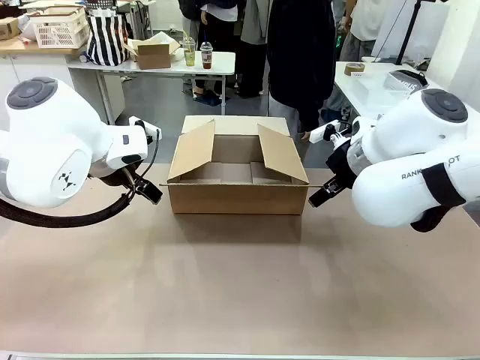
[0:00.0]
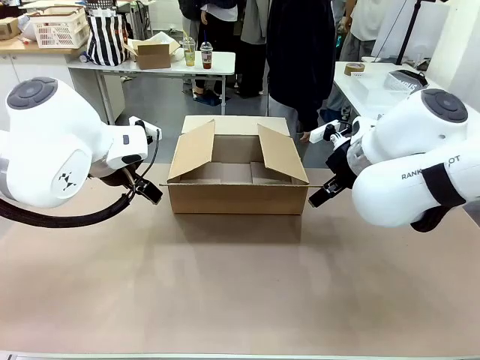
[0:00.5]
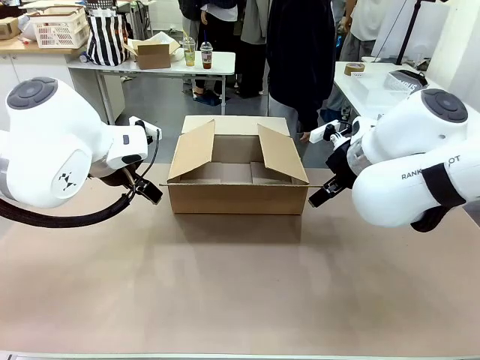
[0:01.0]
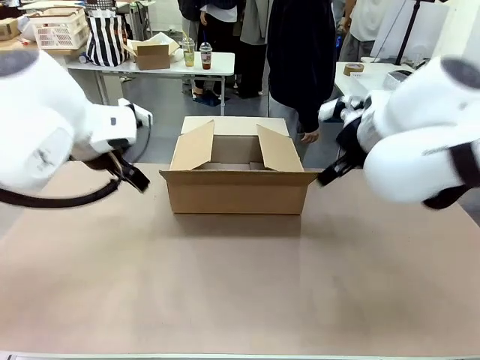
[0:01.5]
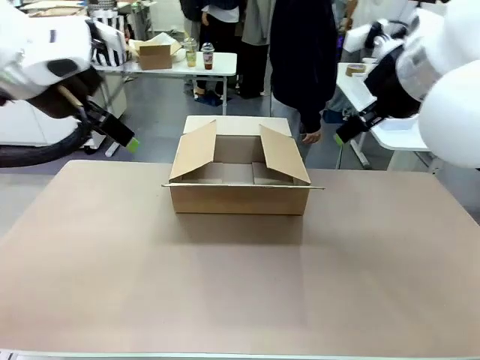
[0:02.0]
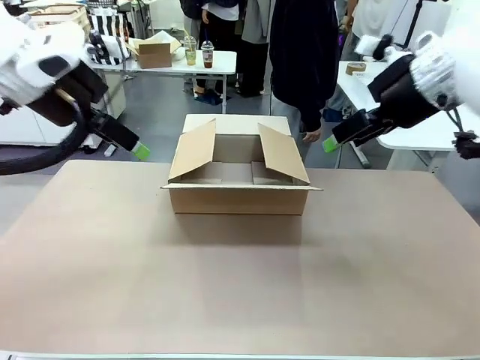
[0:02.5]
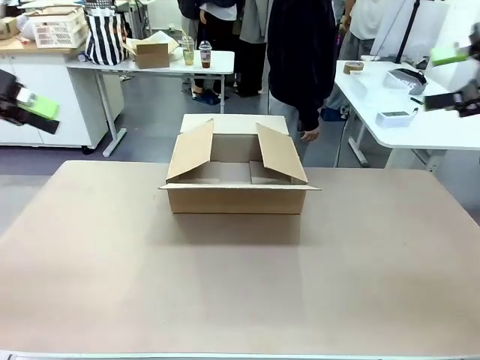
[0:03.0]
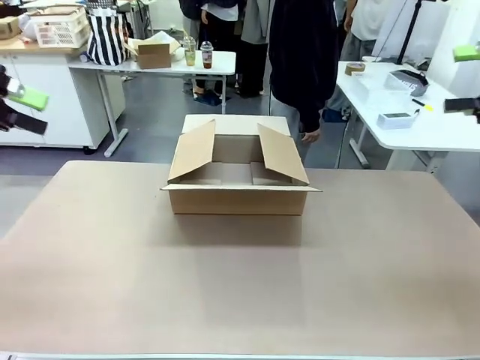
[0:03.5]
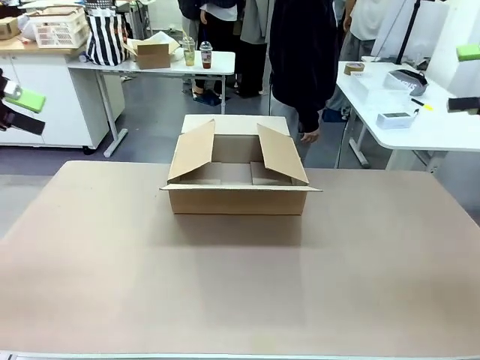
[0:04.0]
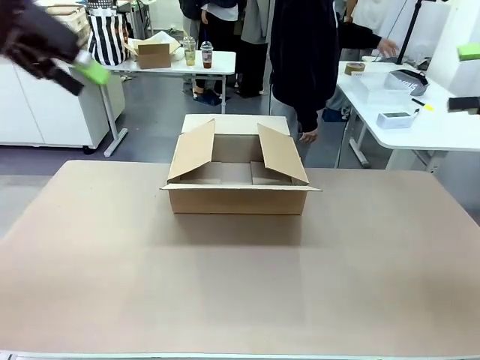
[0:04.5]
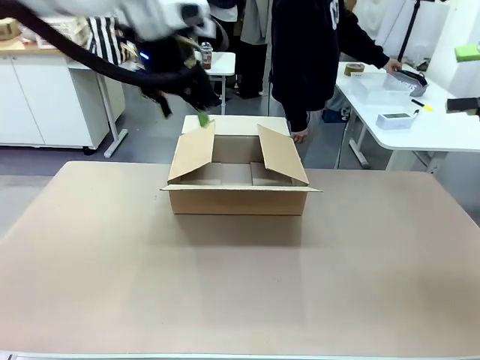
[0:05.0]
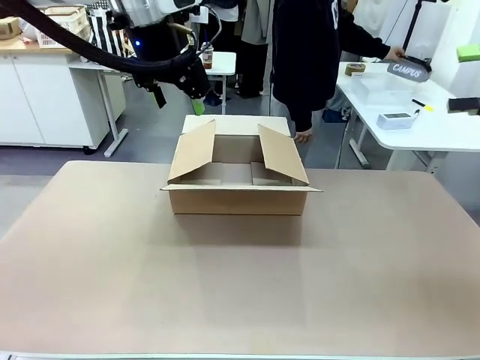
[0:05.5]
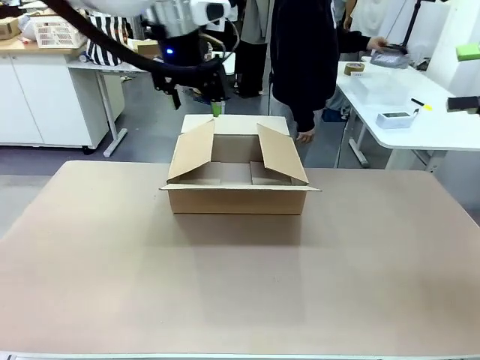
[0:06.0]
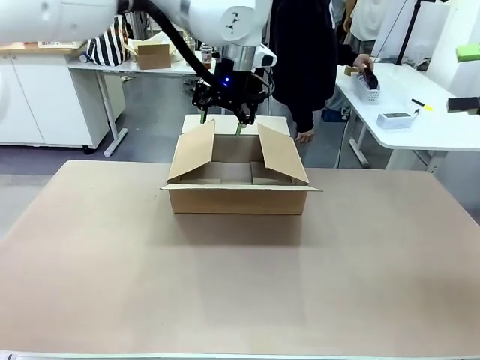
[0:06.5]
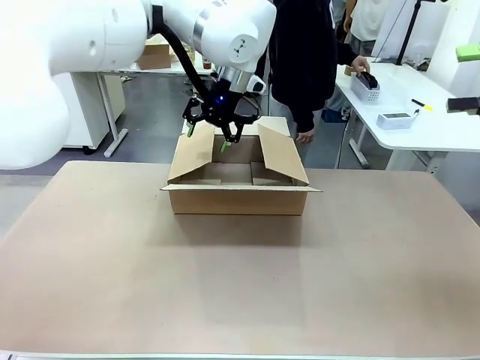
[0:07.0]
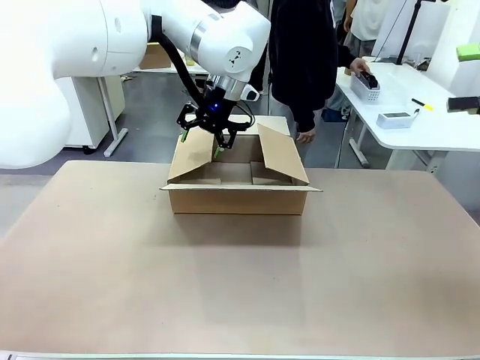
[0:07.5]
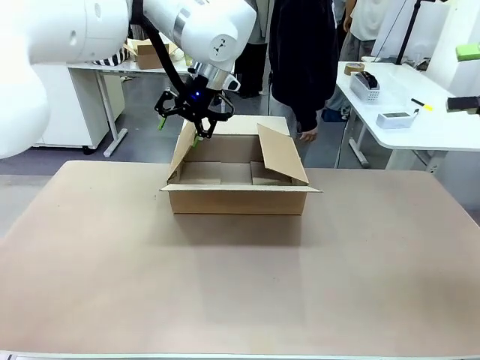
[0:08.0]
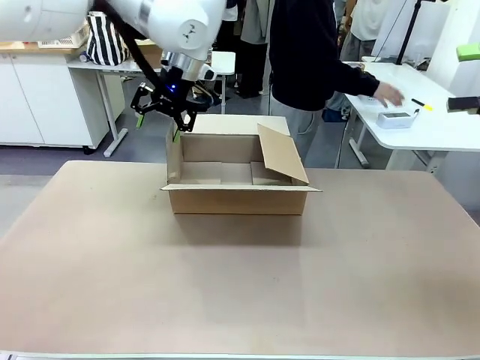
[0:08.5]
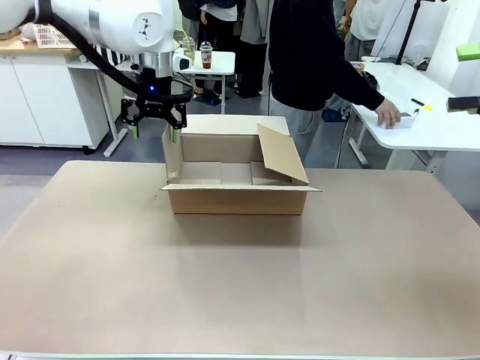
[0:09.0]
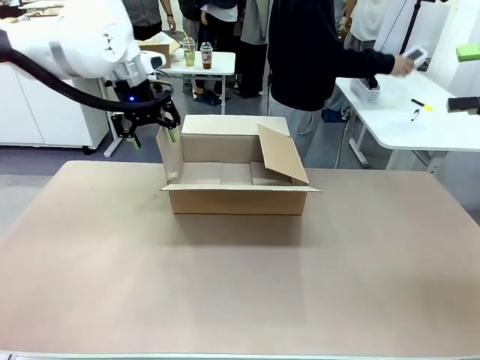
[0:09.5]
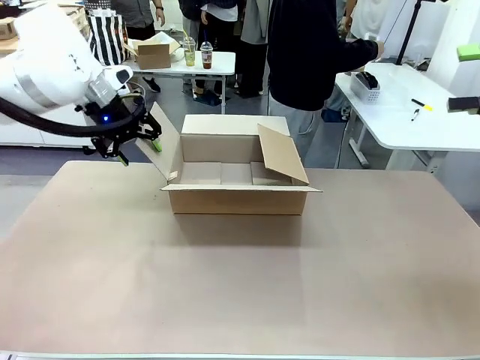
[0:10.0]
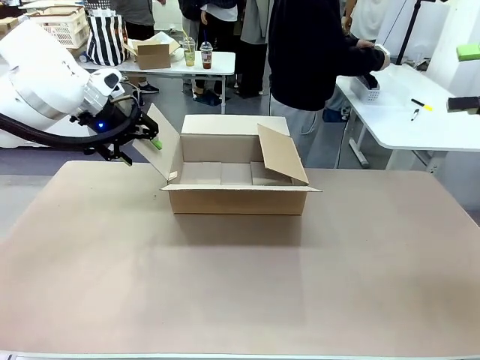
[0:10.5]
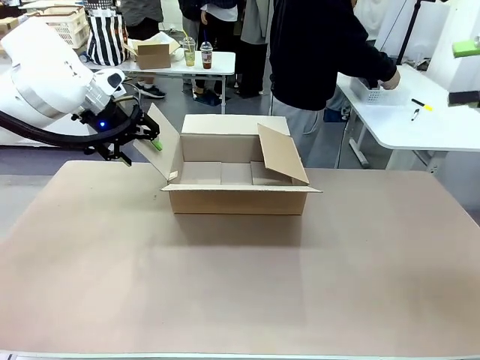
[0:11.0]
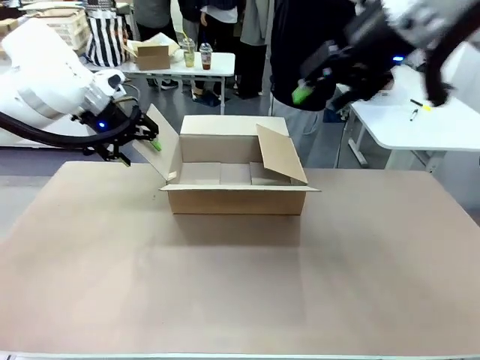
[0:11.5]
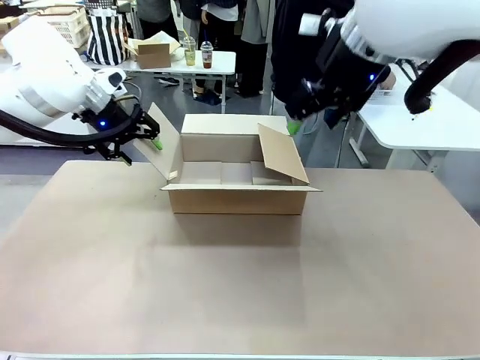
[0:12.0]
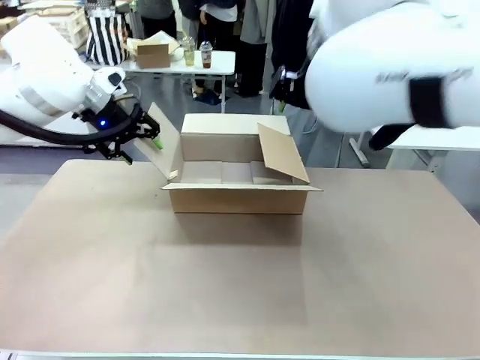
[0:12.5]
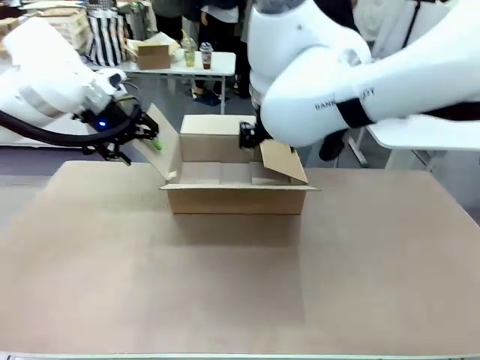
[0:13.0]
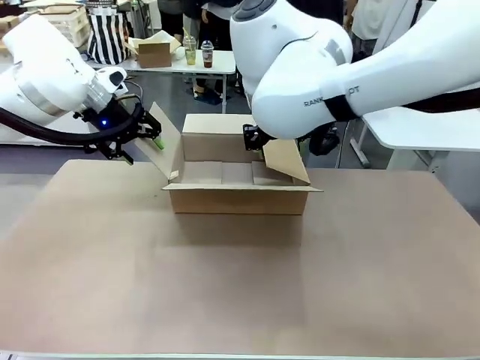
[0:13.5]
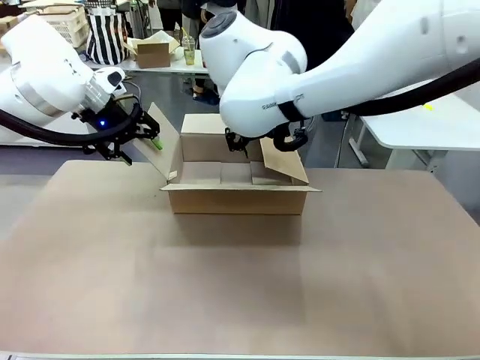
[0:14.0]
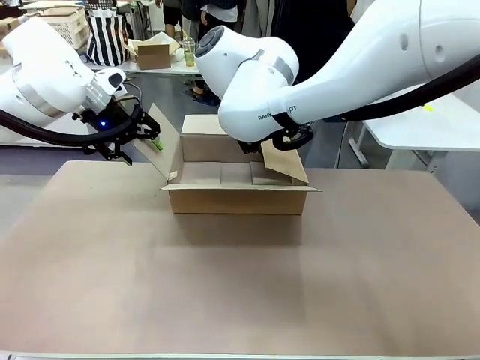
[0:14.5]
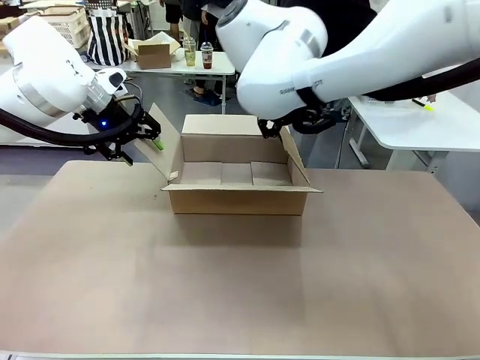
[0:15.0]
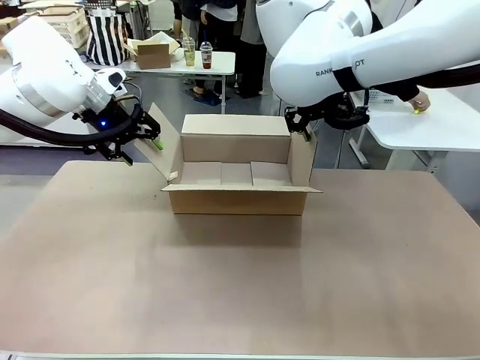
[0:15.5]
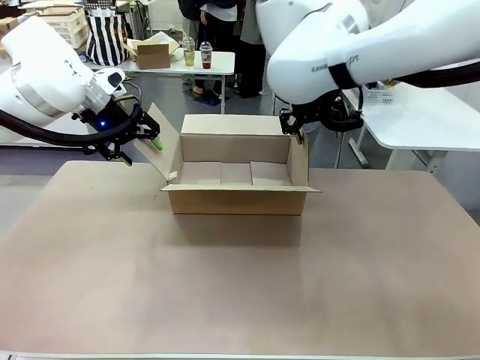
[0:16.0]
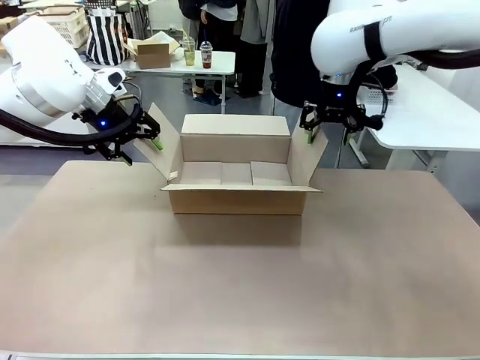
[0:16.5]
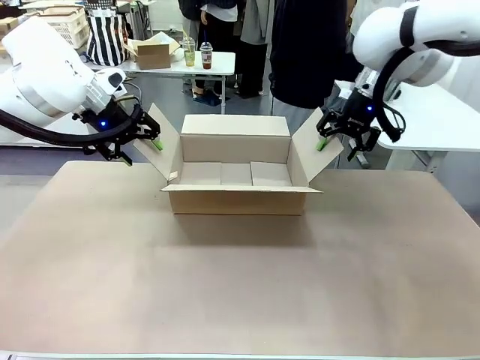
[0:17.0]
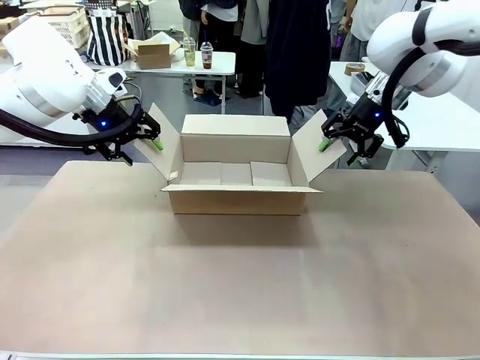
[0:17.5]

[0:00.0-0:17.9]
Task: Pack the gift set into the box.
Robot: Place both hands on the side flaps of the Package Box and spread them outward.
Person: The human places all items except the paper tape into the organizing basket.

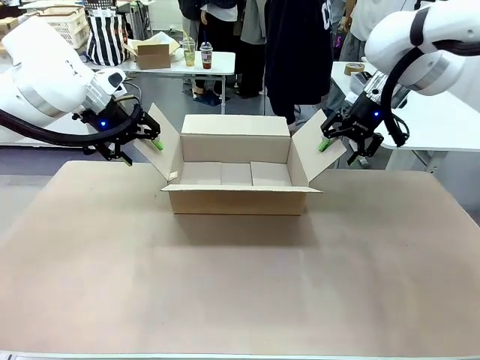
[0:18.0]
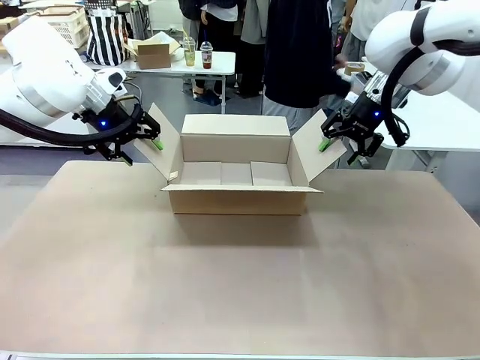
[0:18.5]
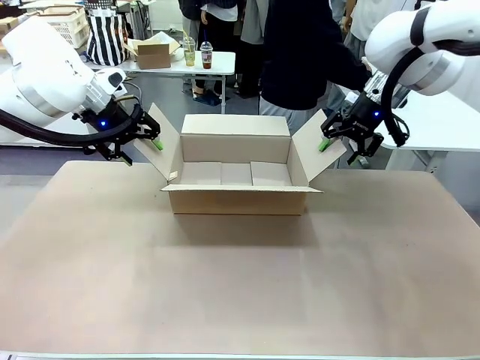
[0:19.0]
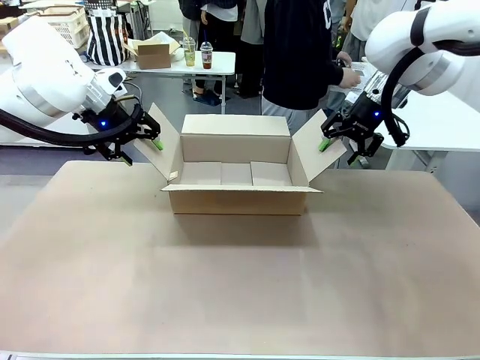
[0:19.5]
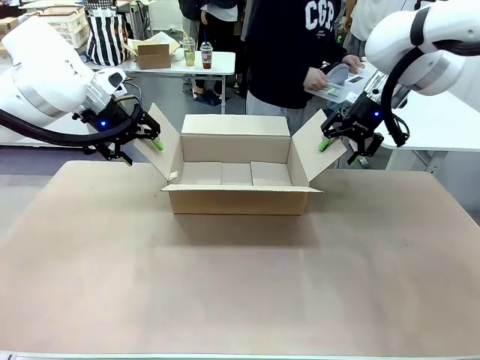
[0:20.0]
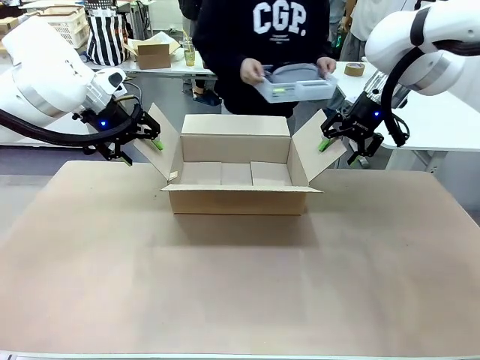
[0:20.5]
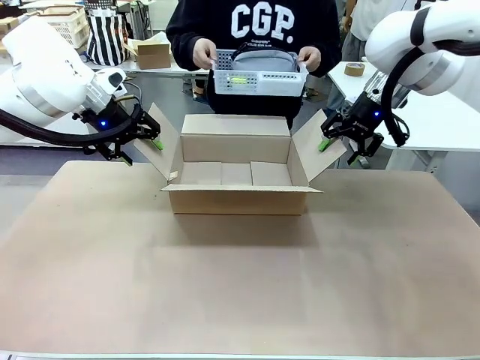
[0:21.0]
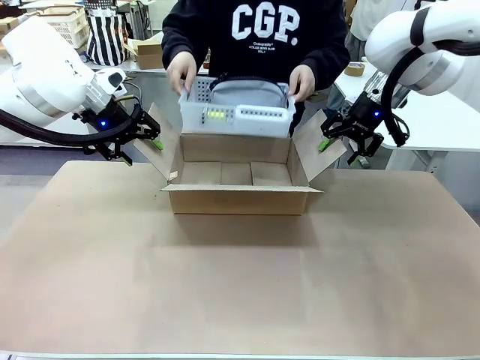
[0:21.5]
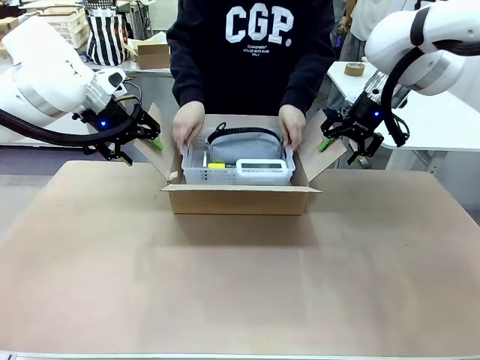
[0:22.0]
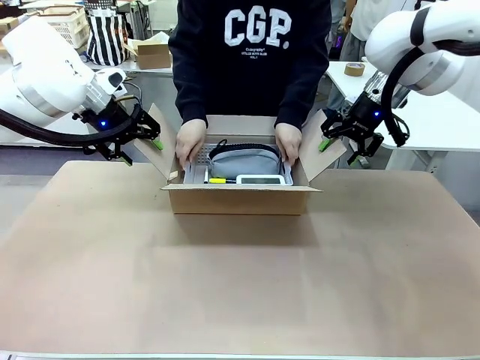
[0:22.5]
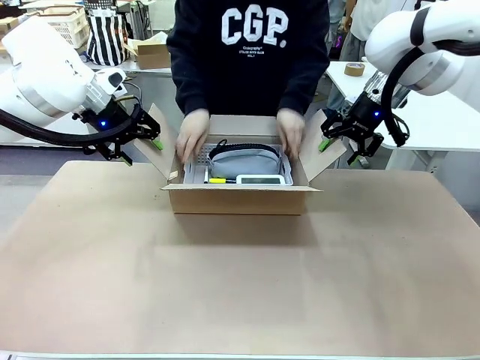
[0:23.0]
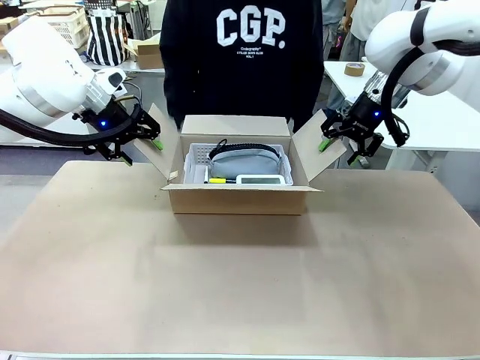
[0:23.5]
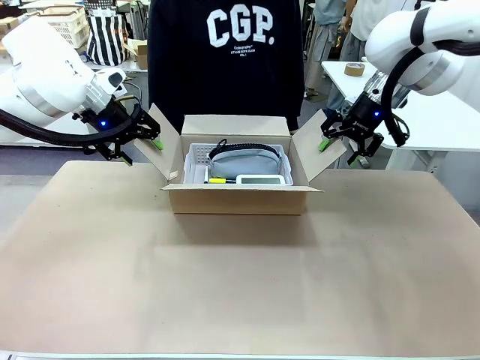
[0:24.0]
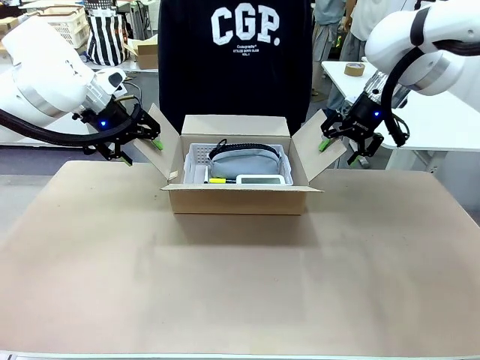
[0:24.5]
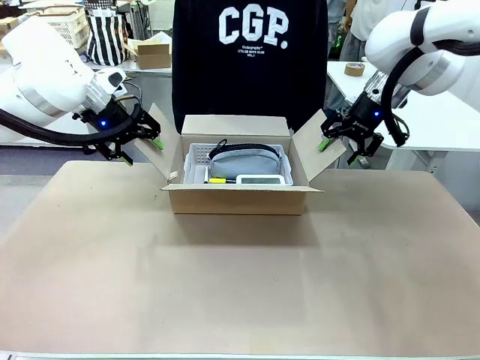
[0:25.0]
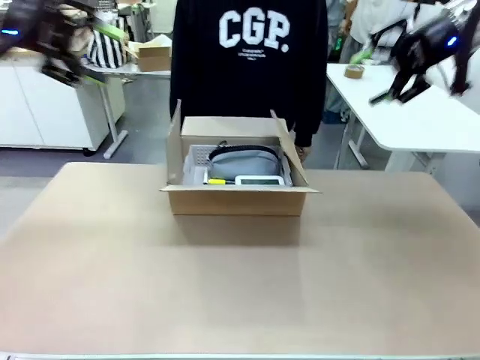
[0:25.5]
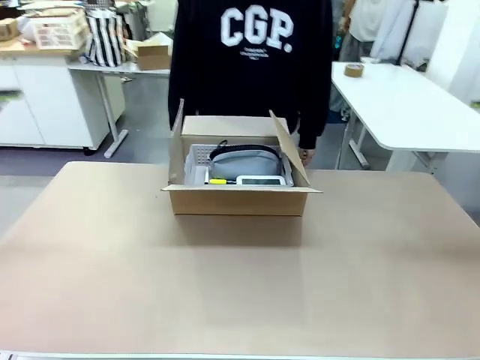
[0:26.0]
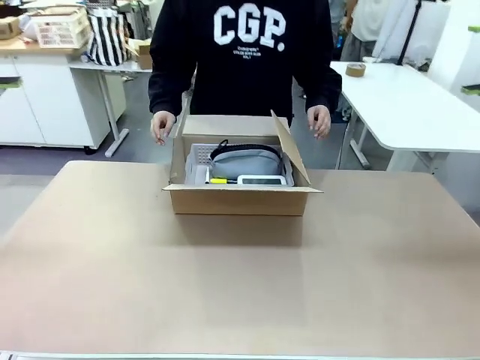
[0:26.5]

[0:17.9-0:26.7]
Robot: Lift both hands away from the flaps of the Package Box.
Person: The human picks up the organizing basket and places the organizing basket into the package box on the robot table.
